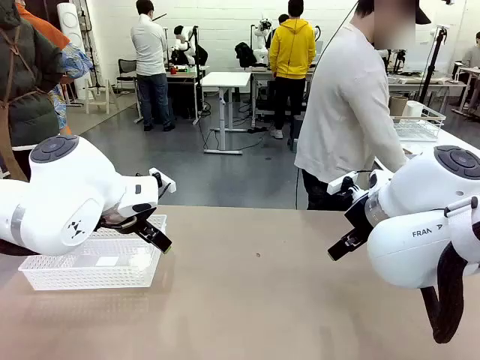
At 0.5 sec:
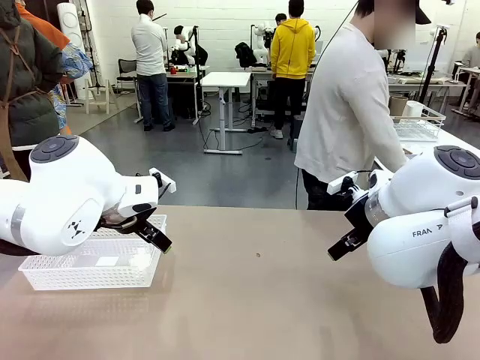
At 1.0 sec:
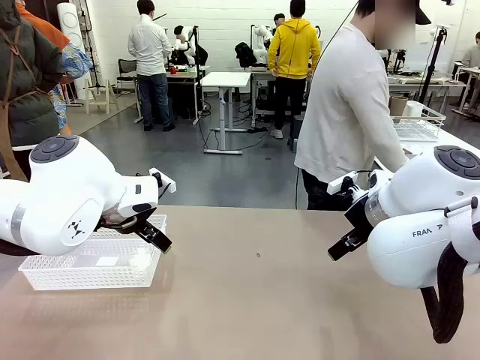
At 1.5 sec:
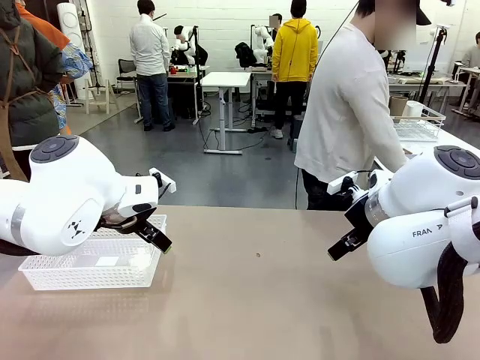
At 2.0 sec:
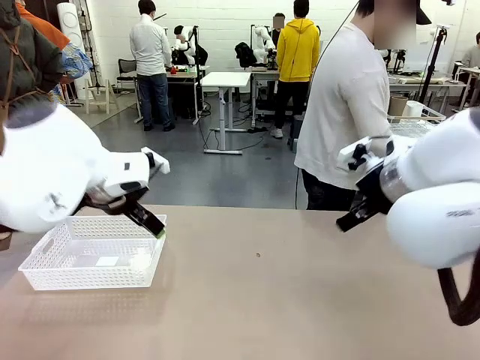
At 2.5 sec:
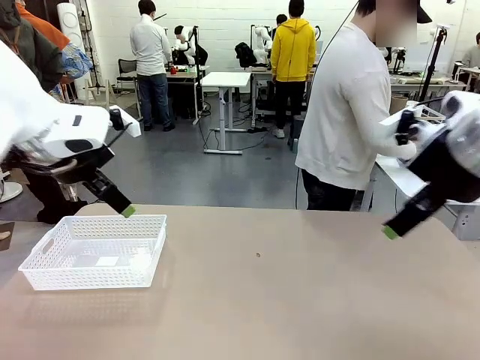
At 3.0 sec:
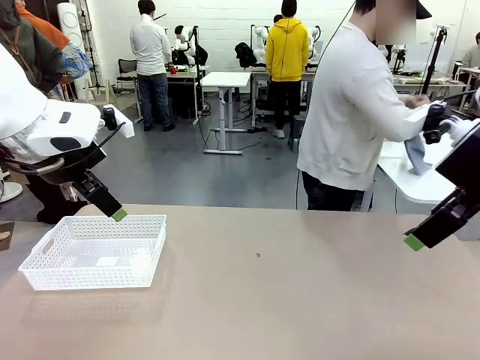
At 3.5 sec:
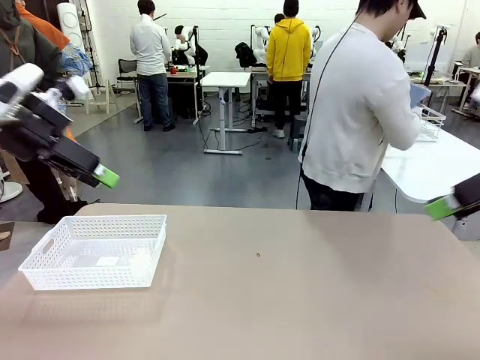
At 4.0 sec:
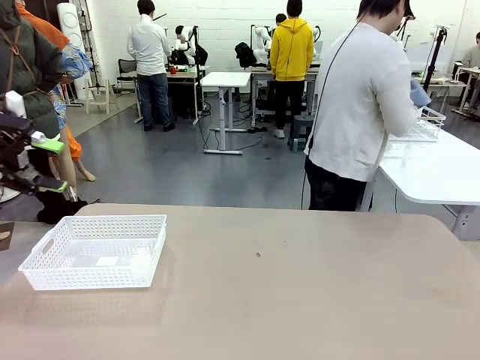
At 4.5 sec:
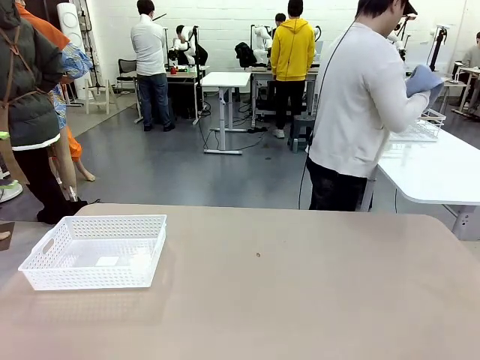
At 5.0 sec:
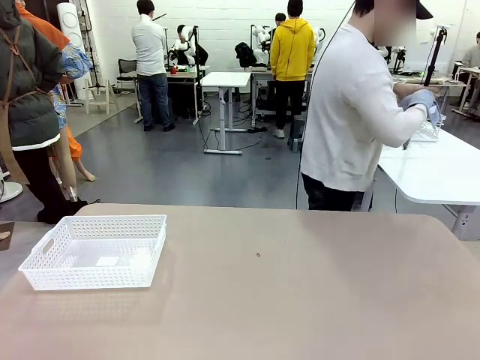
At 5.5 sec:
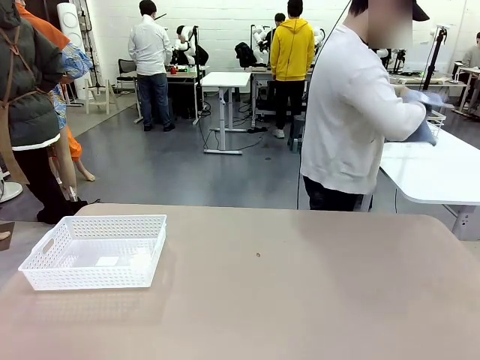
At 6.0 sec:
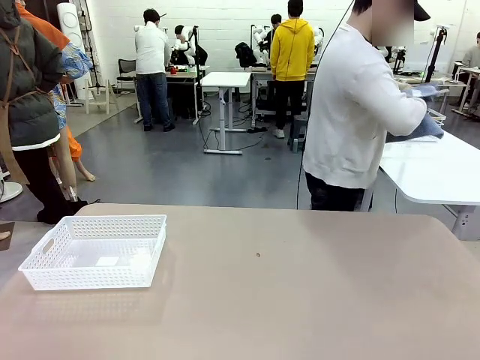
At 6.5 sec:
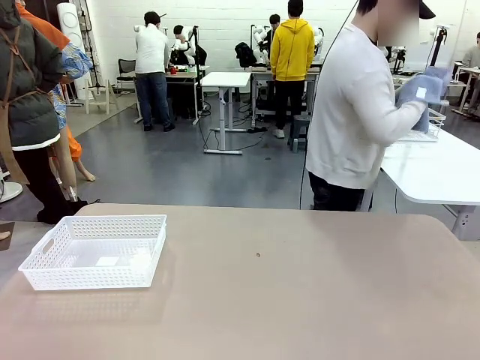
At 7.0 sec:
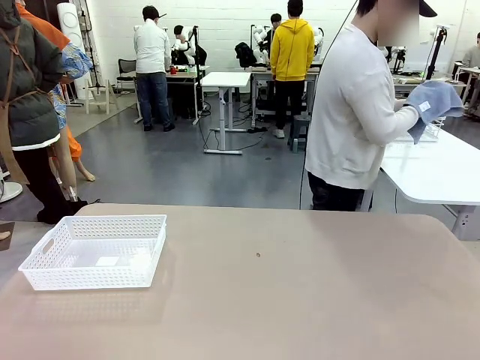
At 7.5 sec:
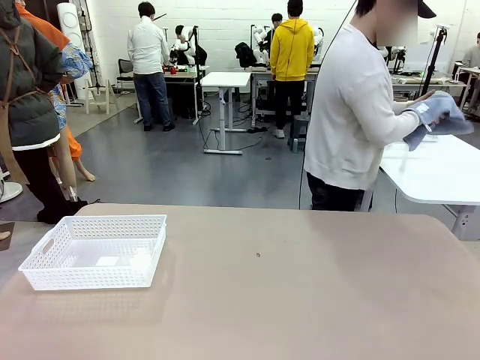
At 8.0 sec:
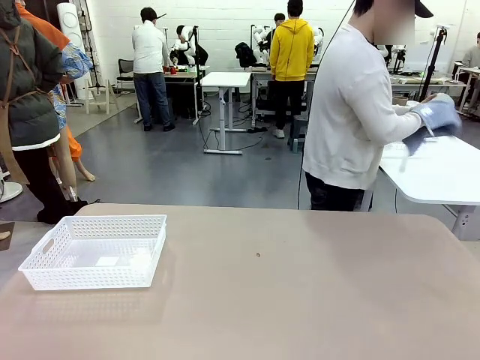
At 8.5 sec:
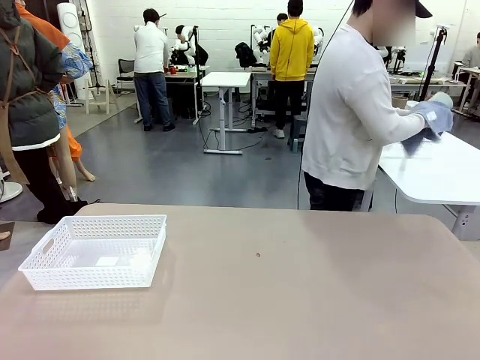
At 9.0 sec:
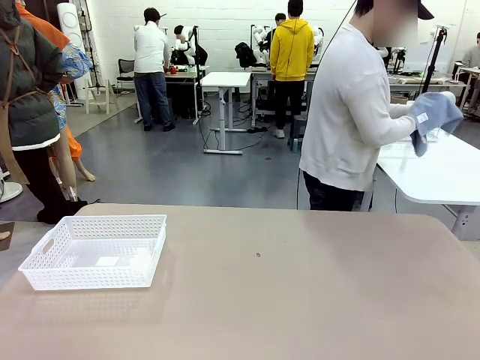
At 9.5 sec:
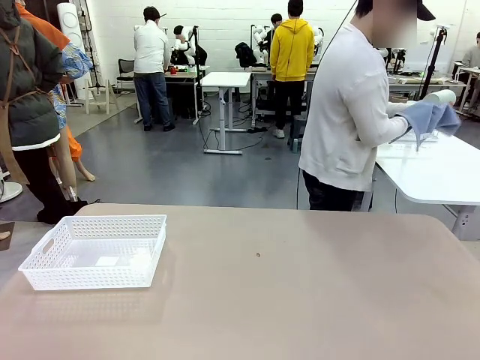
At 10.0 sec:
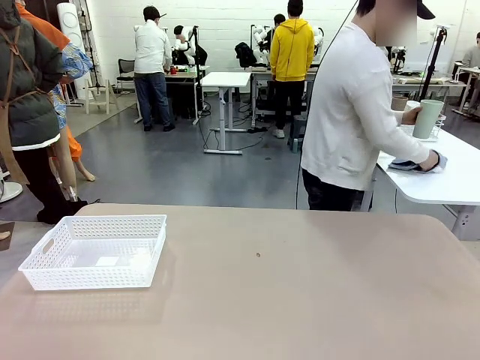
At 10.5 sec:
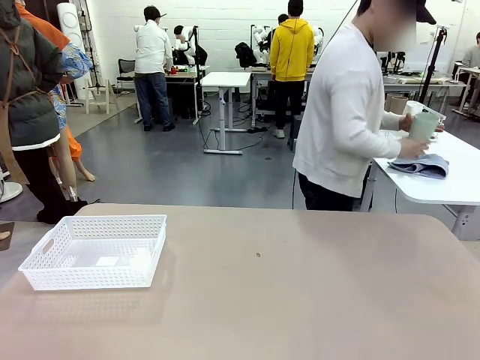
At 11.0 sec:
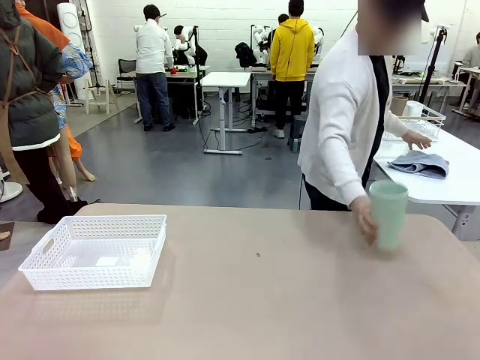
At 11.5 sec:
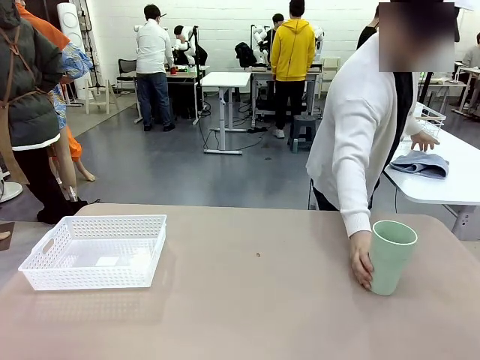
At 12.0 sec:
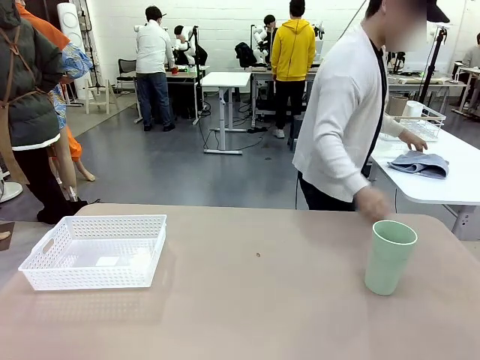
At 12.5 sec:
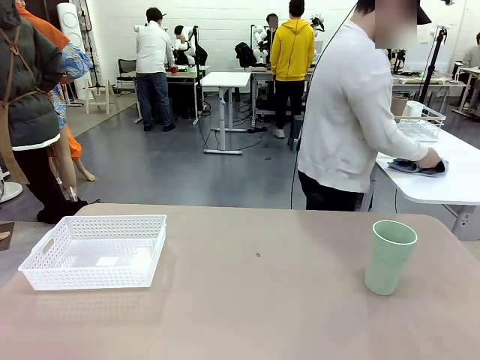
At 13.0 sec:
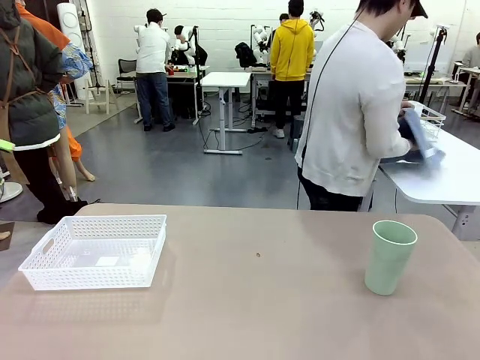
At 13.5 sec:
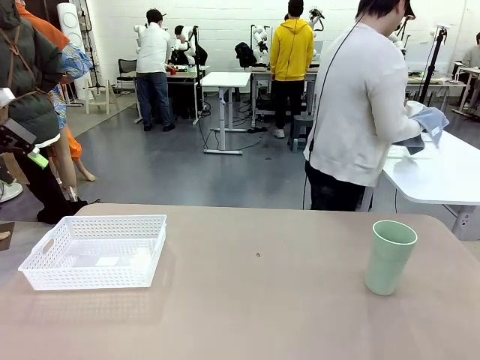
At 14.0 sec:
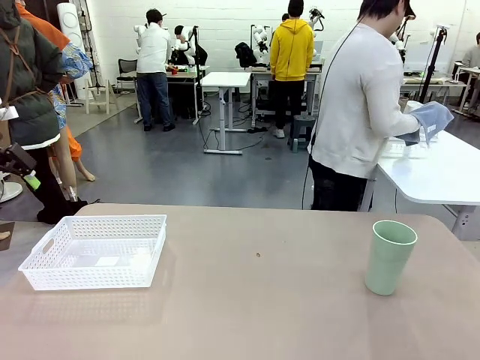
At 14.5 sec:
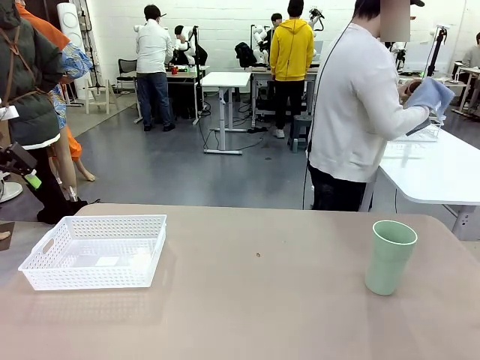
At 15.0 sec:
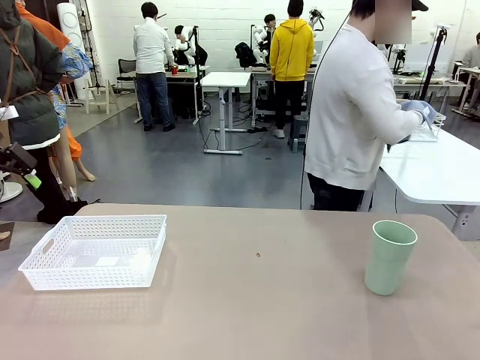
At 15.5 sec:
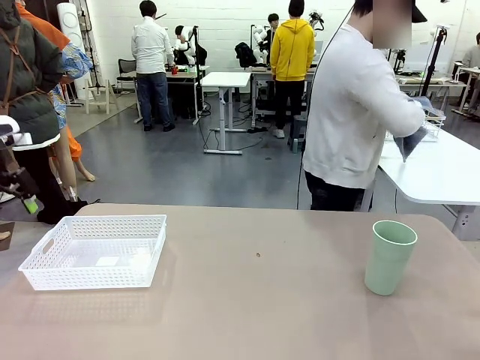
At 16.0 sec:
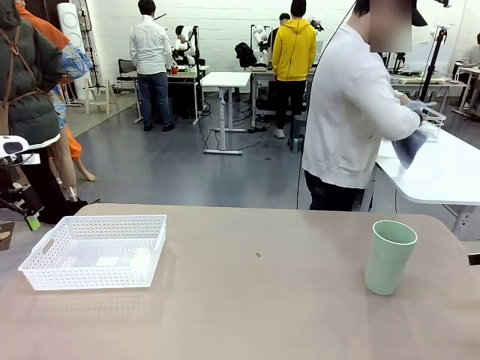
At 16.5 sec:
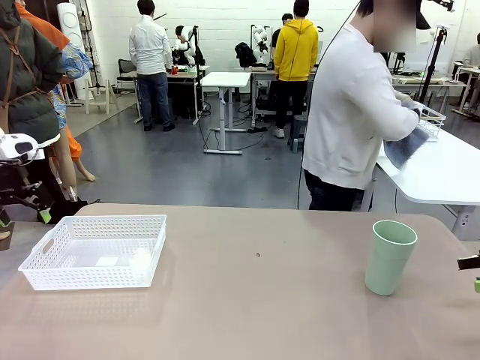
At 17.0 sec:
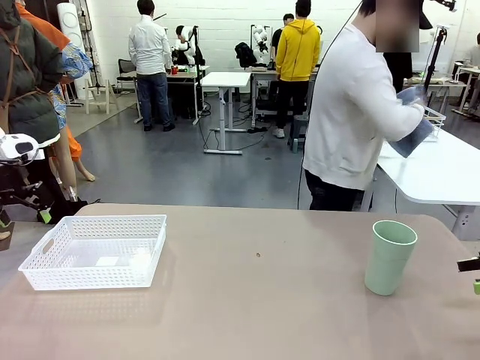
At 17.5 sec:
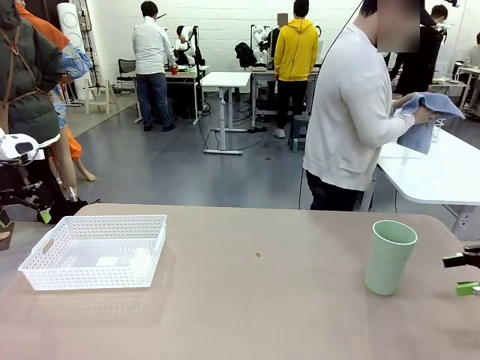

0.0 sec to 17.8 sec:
Task: Clean and organize the cups into the basket.
Robot: Pick up the Organizing basket and move it to the center of the table, then pick up the Reusable plastic cup from the right side of the table and place it inside the Organizing basket.
Person: Picks up a cup and a towel, cleans the cup with the towel, and places it on the left side of the robot table.
